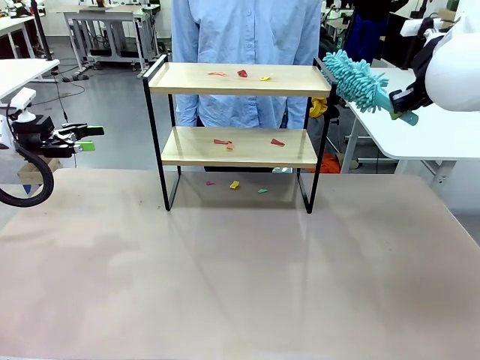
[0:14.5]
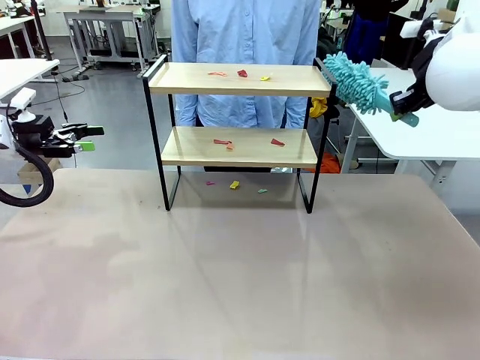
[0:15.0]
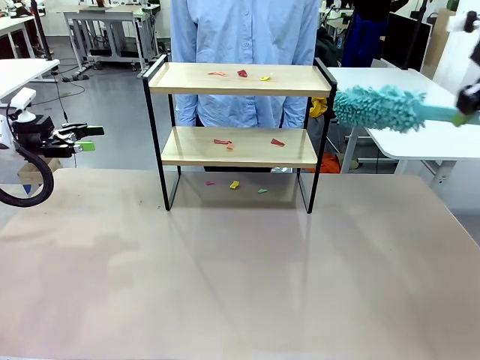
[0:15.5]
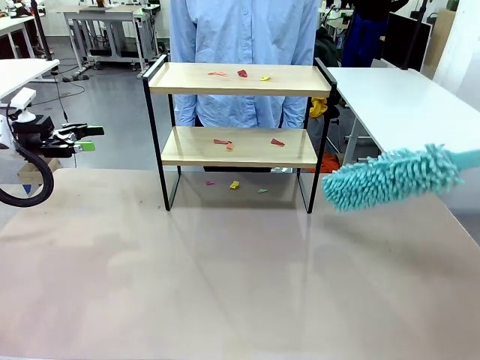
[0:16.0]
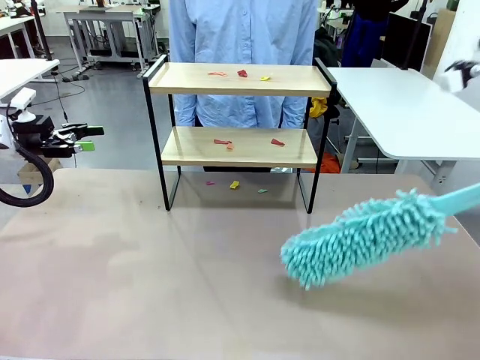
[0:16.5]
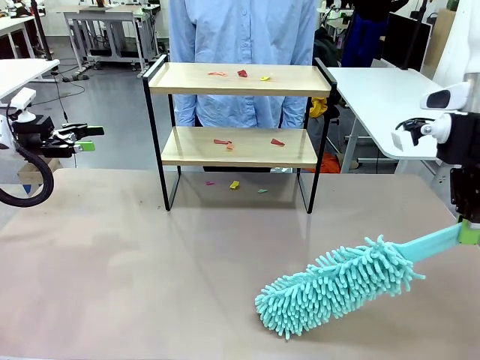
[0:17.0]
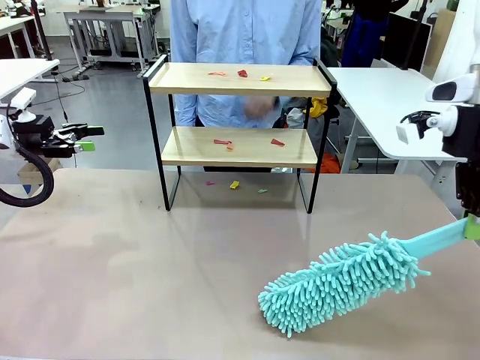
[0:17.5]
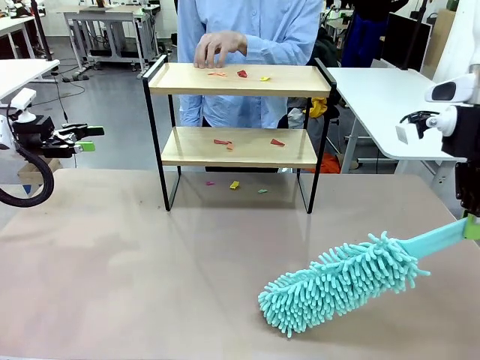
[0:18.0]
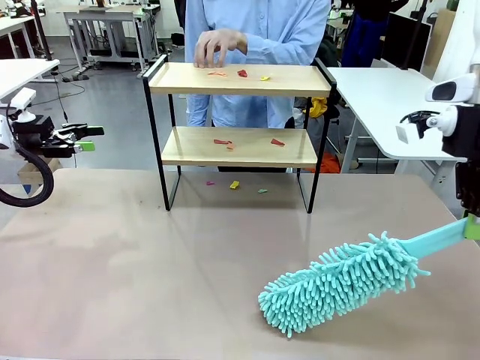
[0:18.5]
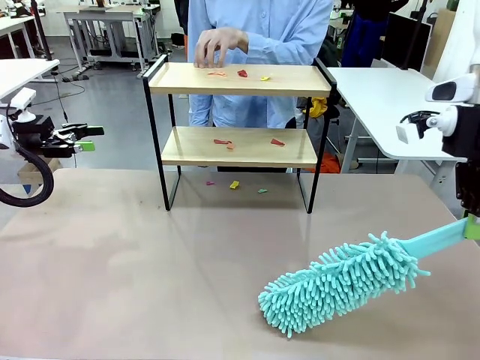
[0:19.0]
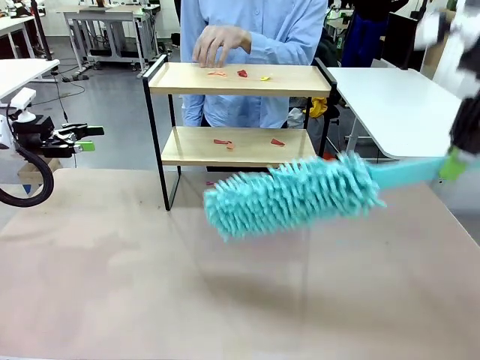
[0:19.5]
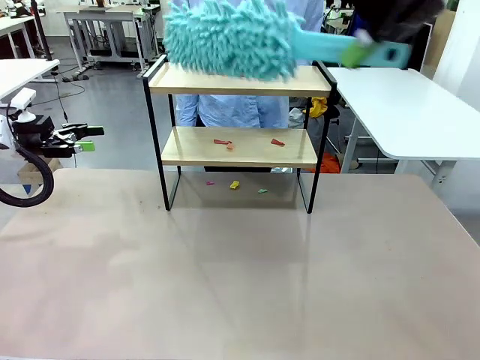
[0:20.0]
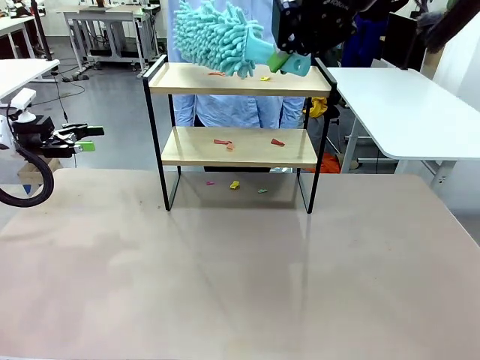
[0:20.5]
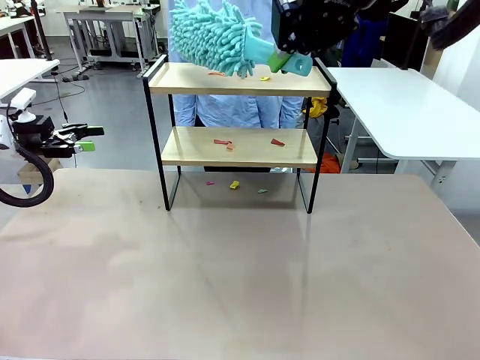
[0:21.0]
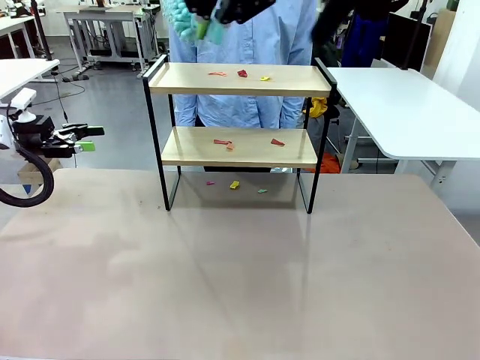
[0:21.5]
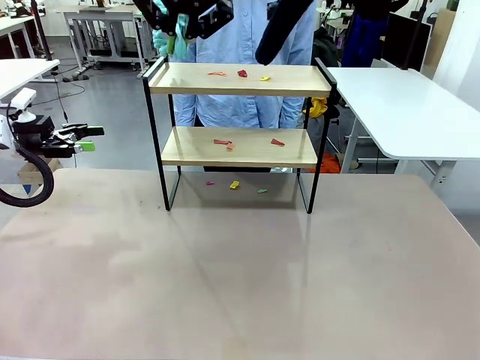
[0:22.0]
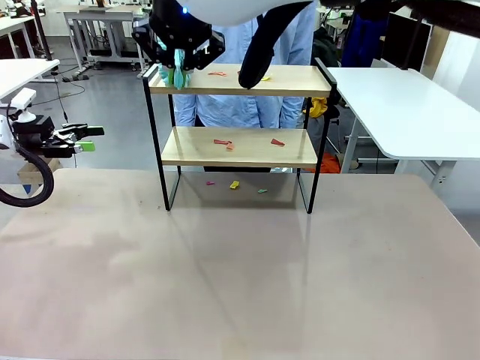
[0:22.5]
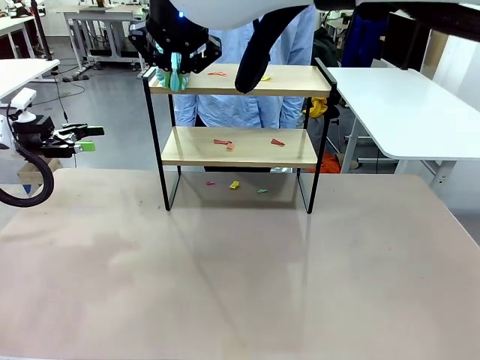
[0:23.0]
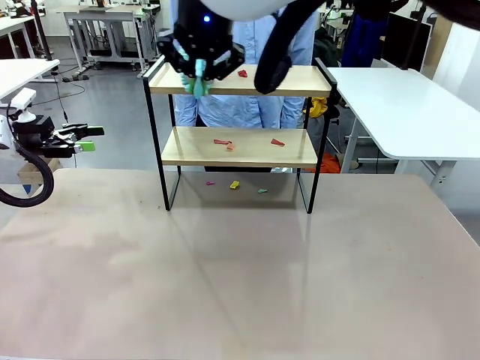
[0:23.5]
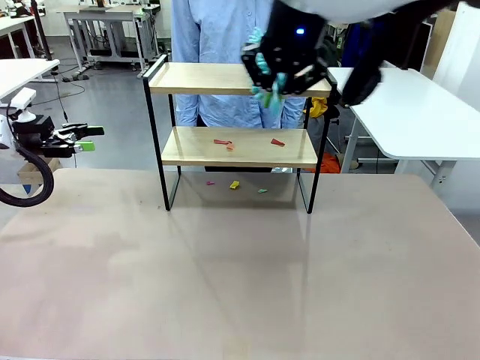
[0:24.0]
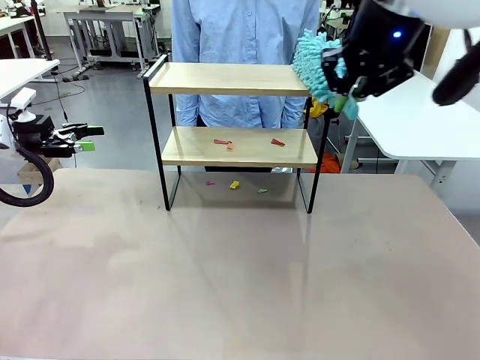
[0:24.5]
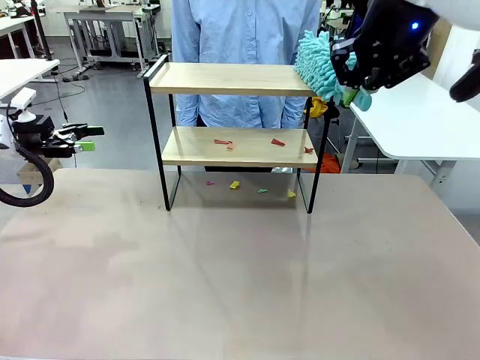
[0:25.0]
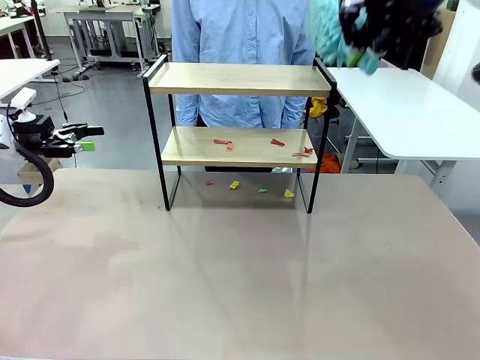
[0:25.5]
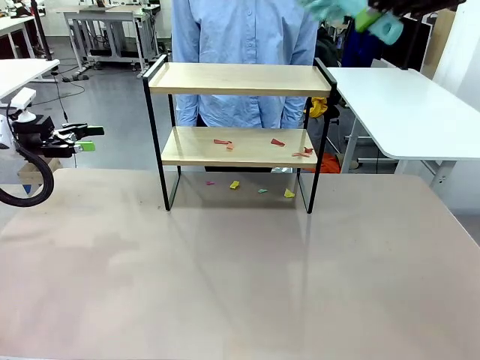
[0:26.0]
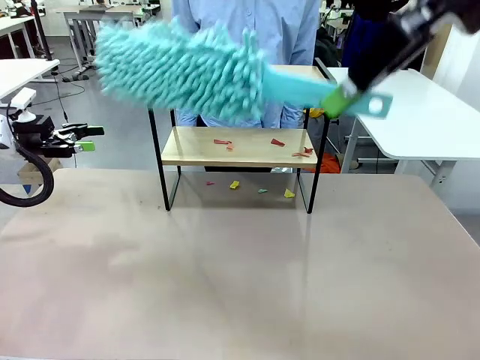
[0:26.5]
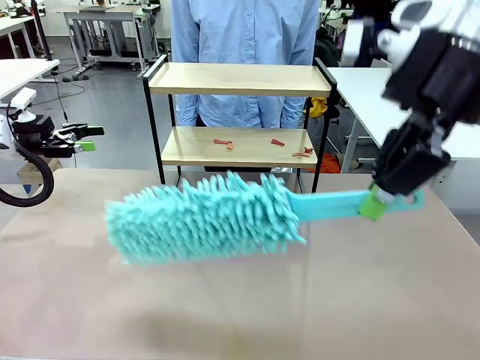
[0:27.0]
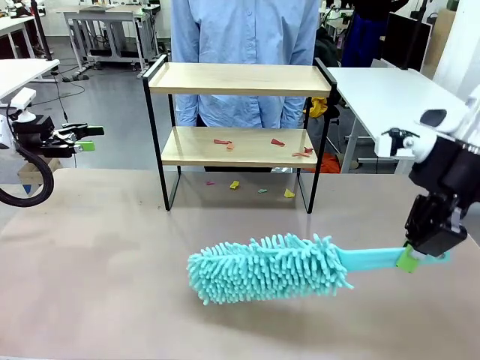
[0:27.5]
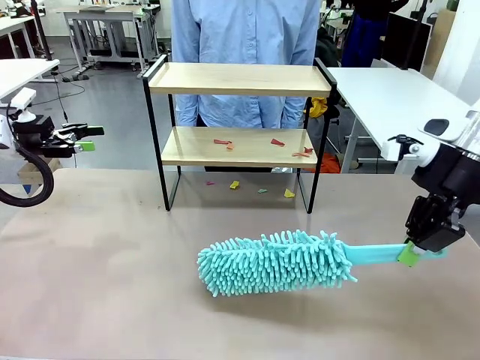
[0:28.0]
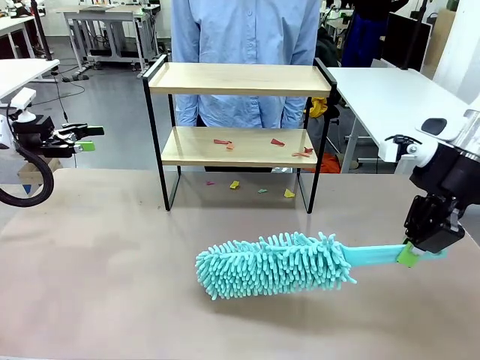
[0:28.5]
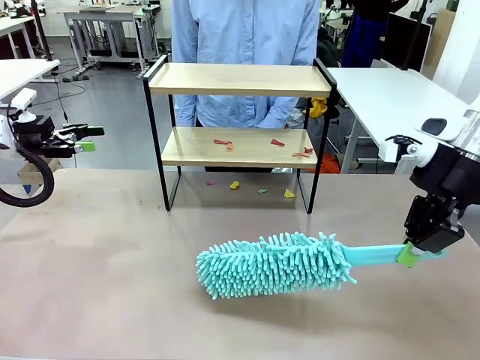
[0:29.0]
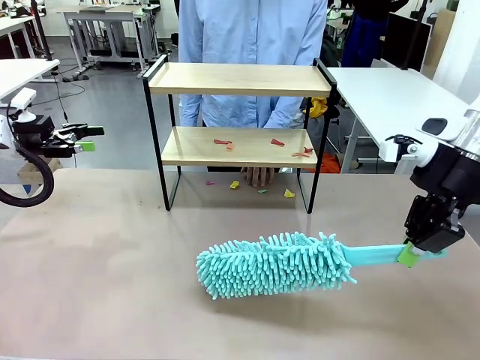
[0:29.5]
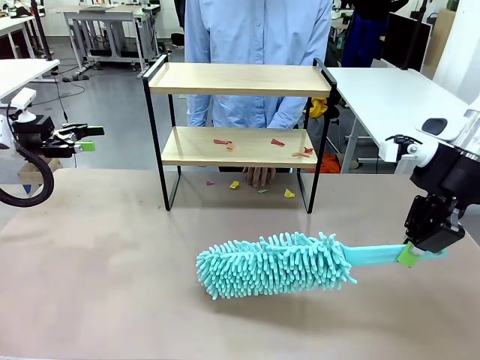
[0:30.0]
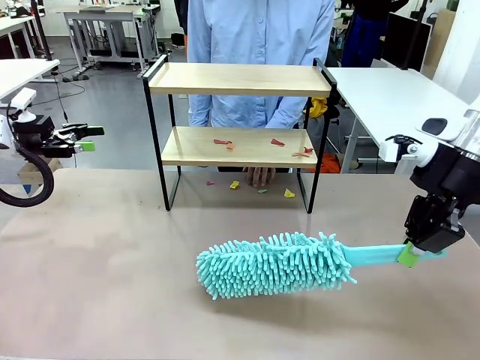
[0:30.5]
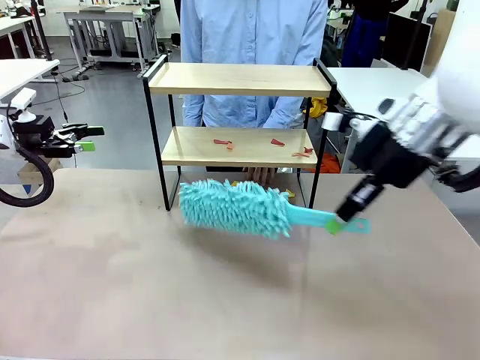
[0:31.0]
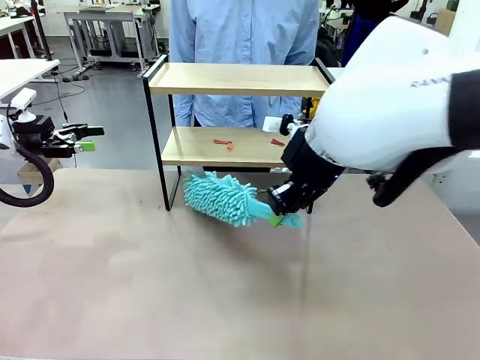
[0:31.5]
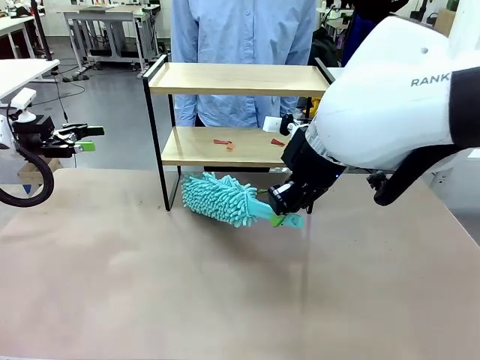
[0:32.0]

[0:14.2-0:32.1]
Task: Clean the shelf.
Robot: Clean the specific section of the Shelf indicated by the human with the Duster.
Person: Point a random section of the Shelf.

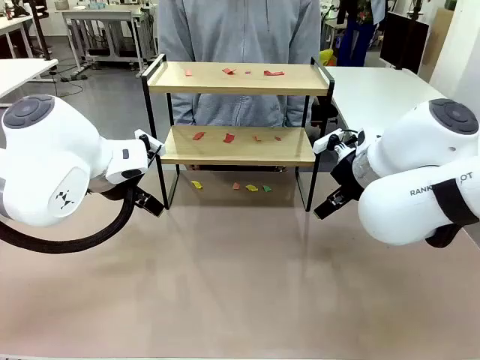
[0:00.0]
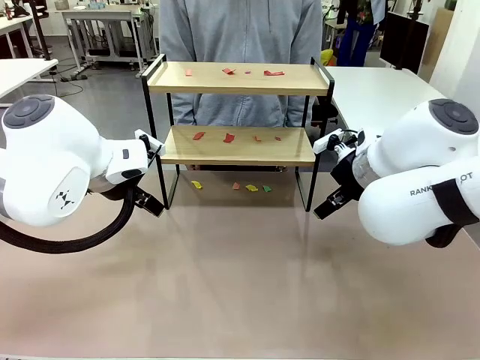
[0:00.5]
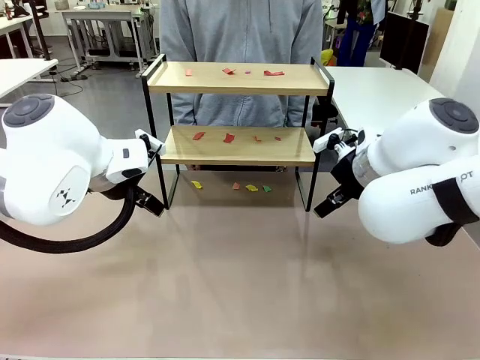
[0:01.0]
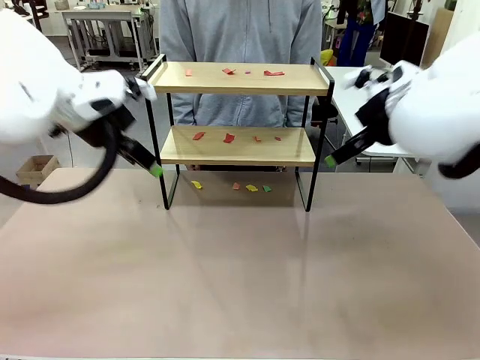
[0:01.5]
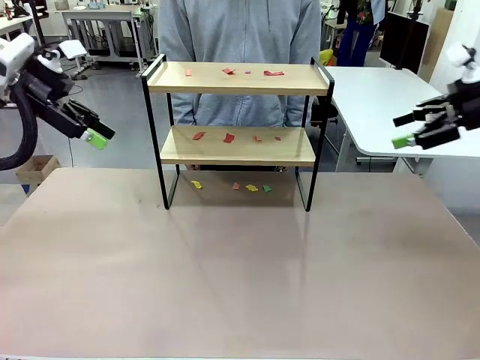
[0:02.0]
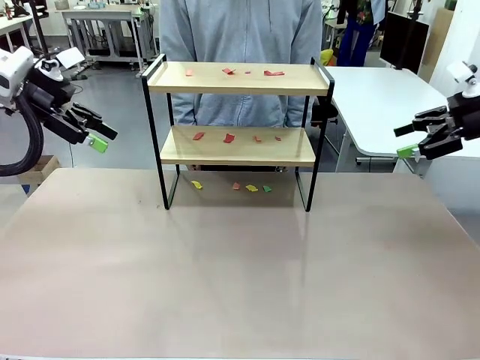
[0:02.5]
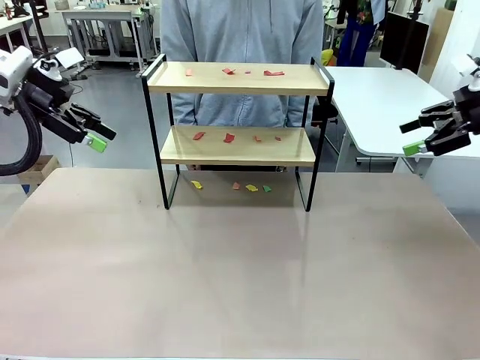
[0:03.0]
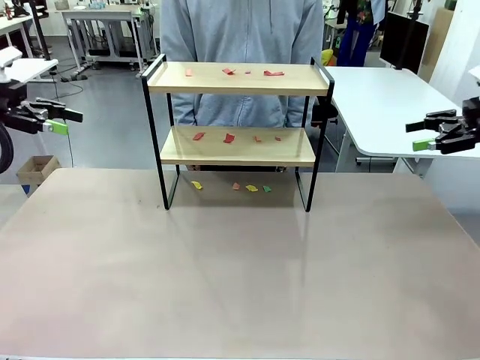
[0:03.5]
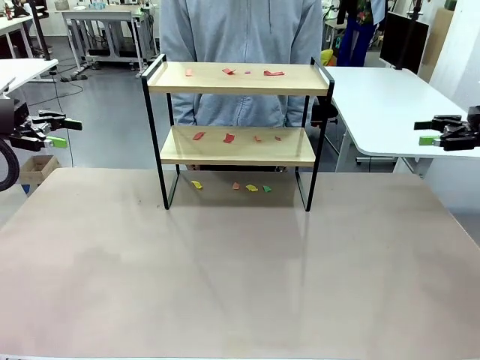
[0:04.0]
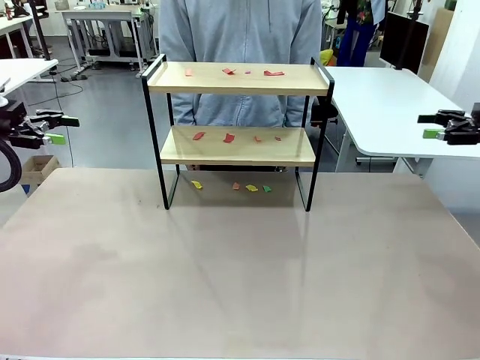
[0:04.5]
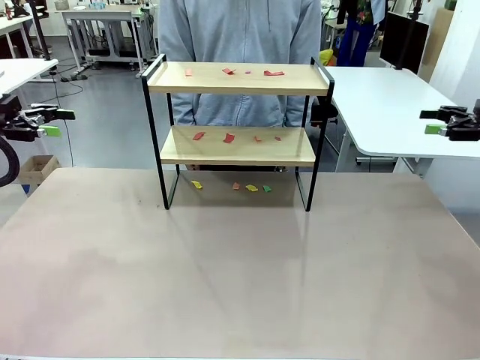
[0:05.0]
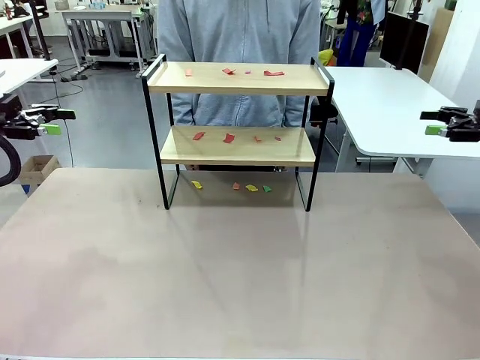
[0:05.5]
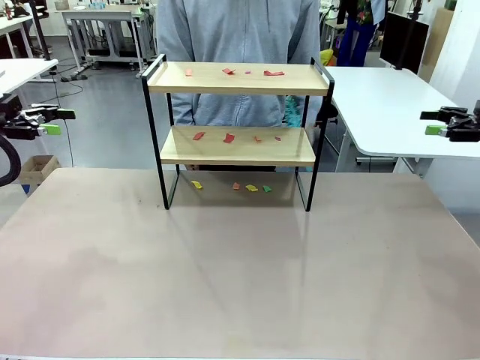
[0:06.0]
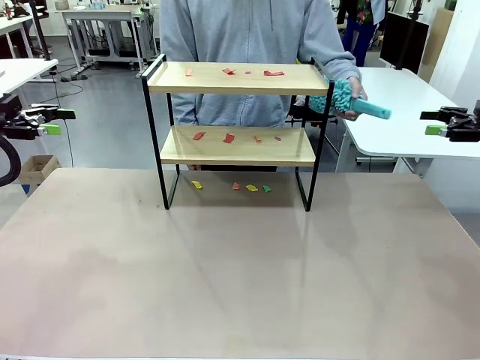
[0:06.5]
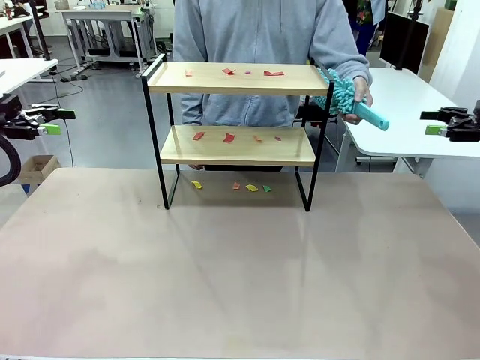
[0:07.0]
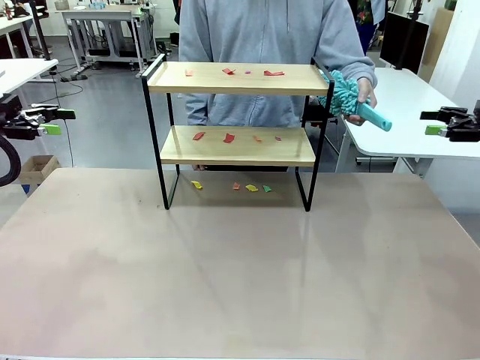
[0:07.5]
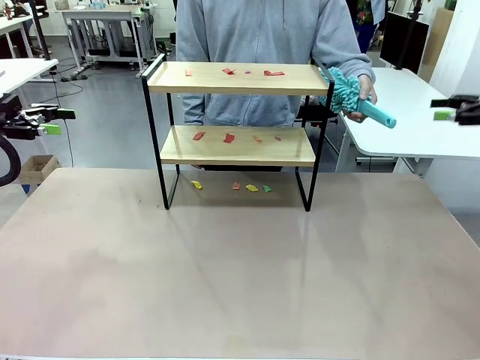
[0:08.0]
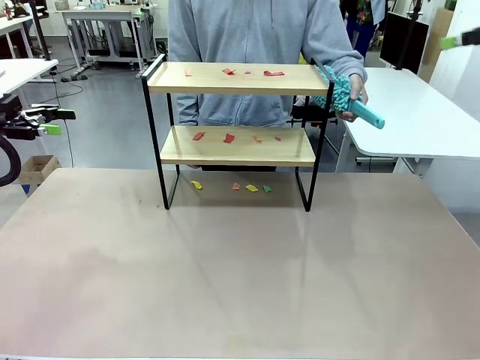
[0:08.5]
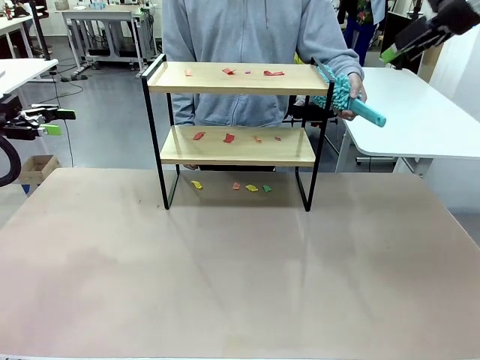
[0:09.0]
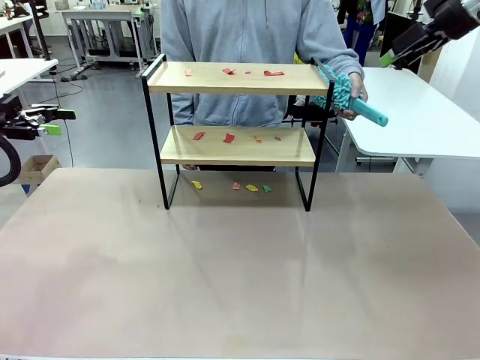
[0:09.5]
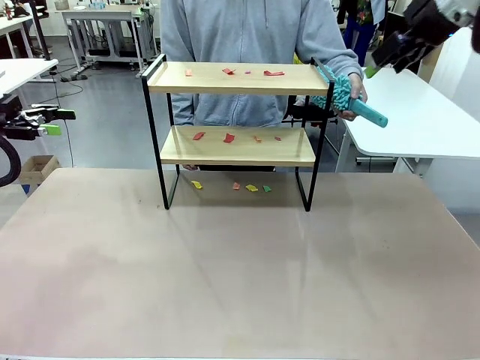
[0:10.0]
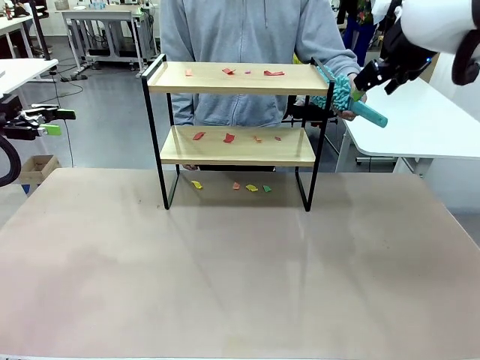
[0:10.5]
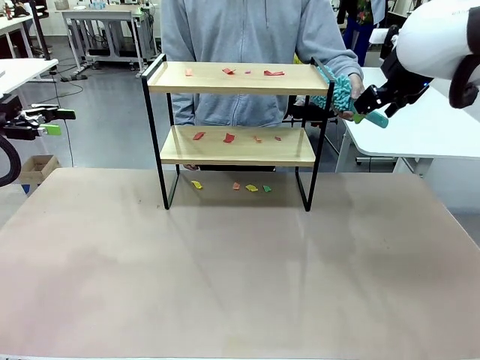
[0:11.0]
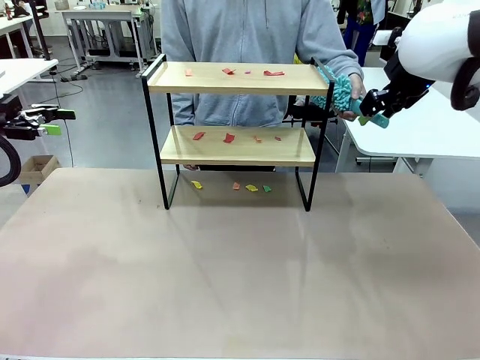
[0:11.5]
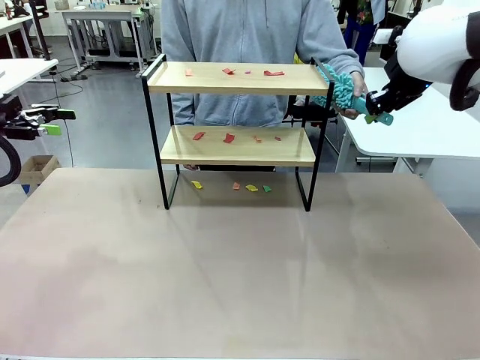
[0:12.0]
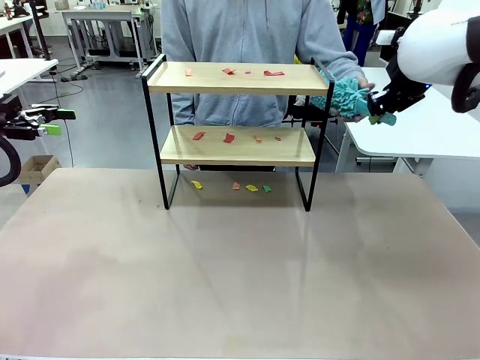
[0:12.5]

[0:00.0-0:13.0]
Task: Clean the shelf.
Robot: Pick up the Duster handed by the human.
Person: Hand the Duster to the robot.
